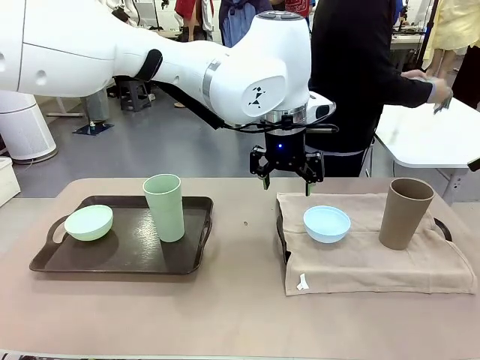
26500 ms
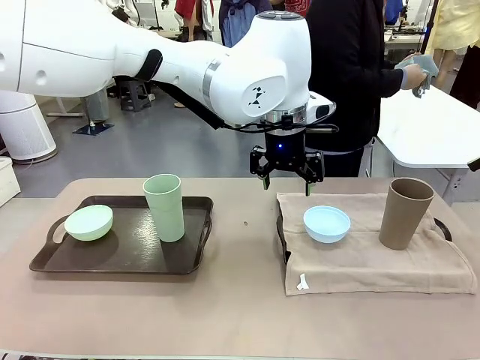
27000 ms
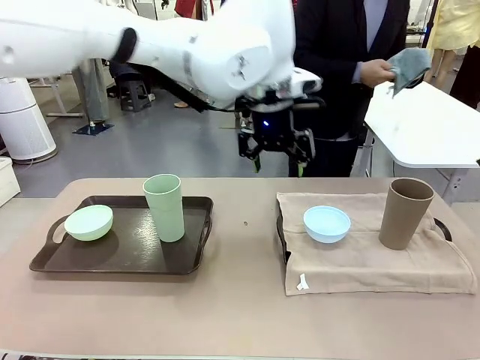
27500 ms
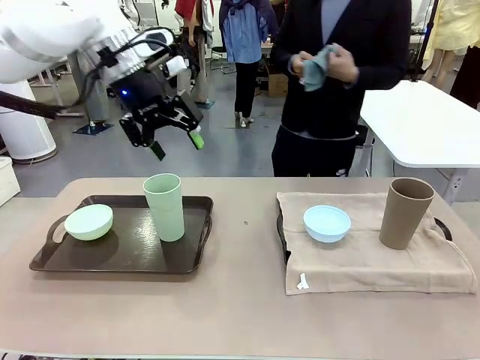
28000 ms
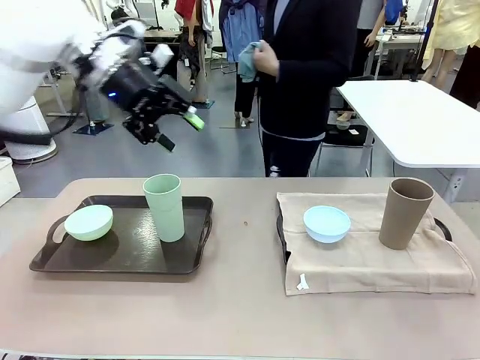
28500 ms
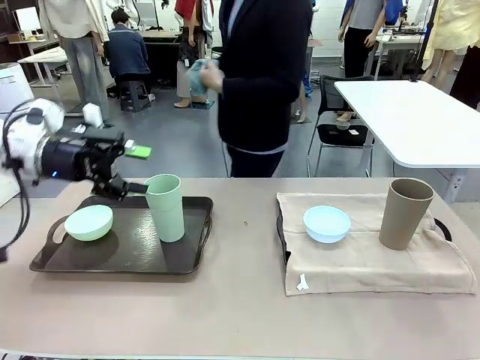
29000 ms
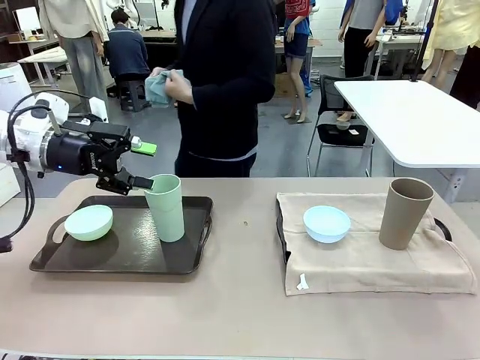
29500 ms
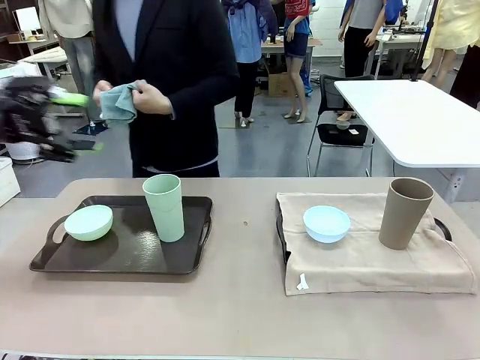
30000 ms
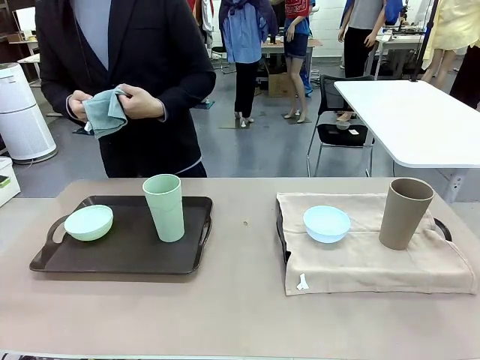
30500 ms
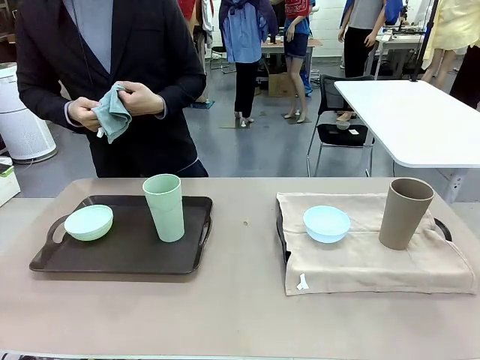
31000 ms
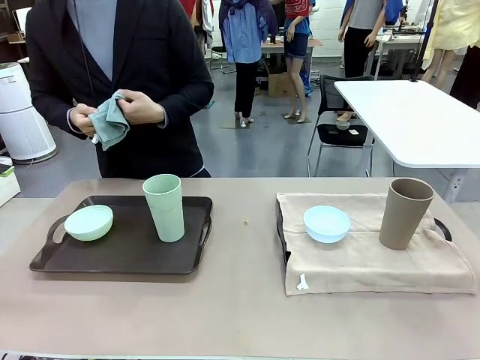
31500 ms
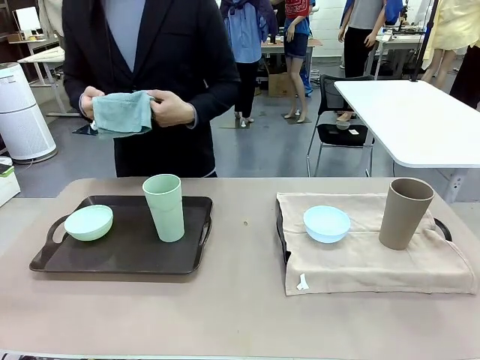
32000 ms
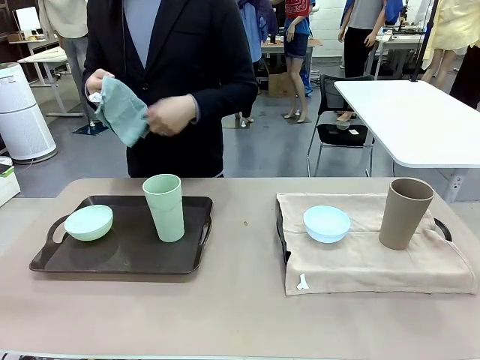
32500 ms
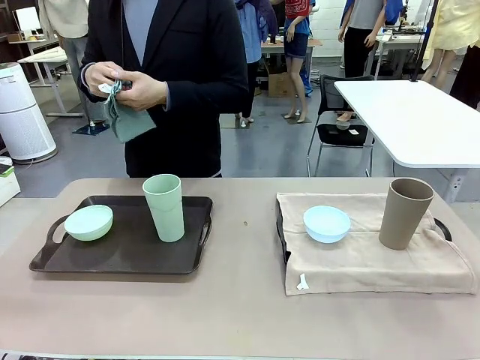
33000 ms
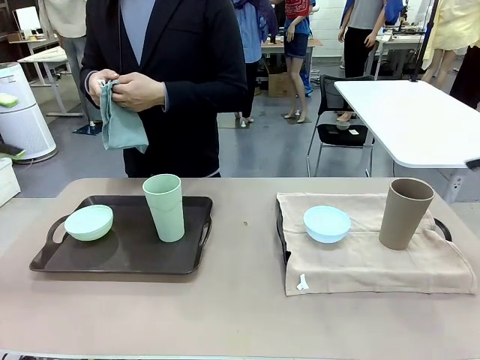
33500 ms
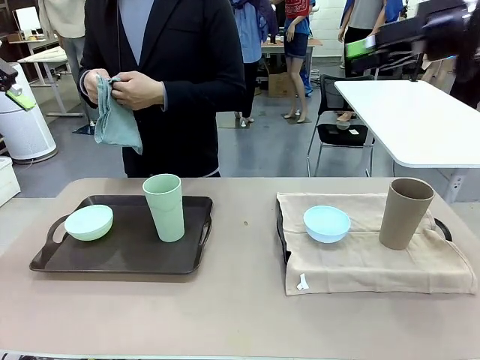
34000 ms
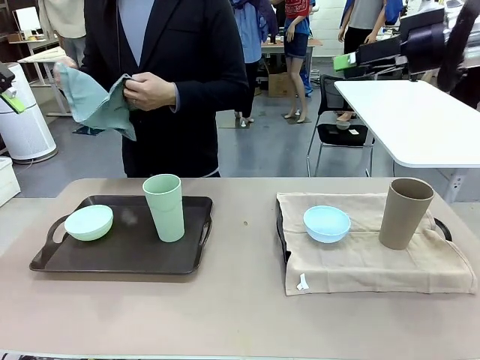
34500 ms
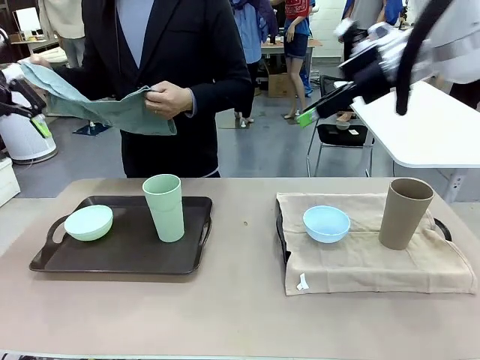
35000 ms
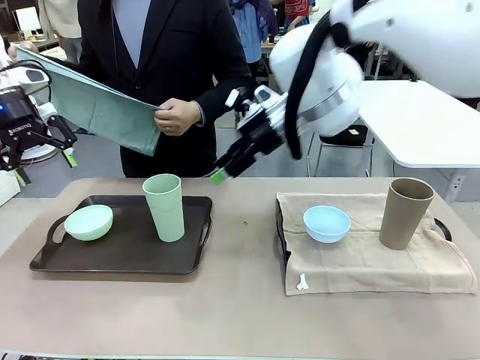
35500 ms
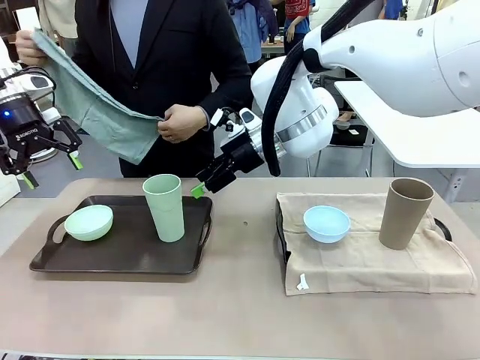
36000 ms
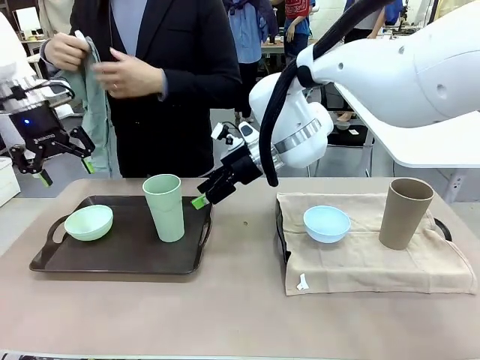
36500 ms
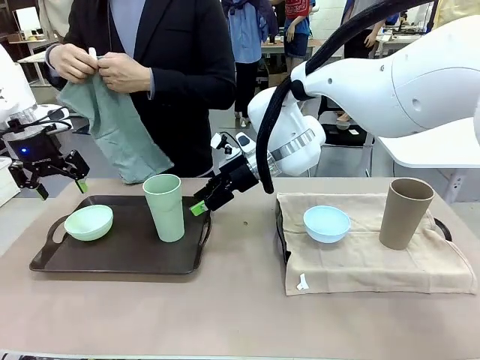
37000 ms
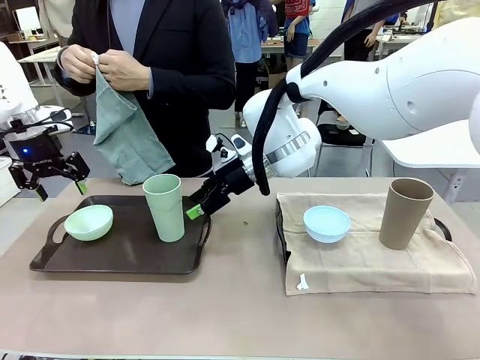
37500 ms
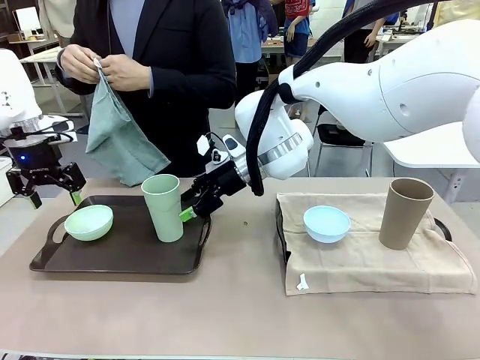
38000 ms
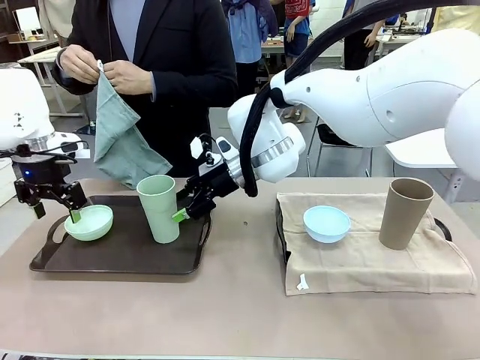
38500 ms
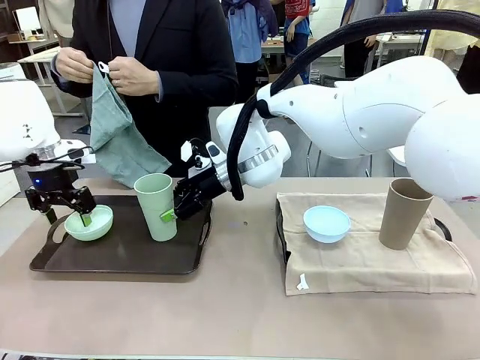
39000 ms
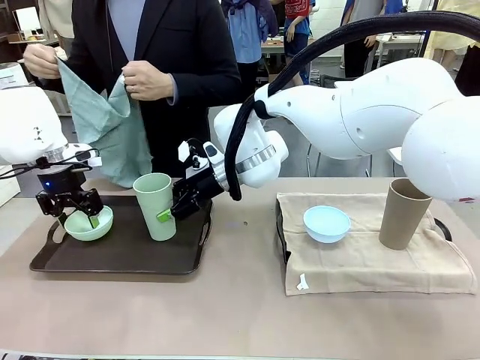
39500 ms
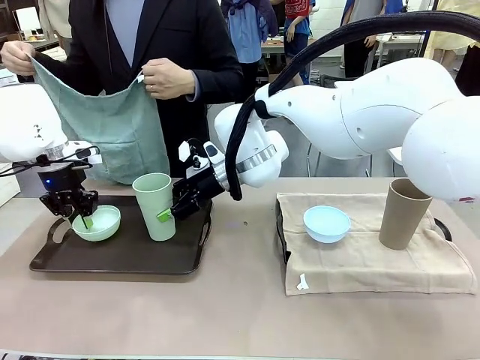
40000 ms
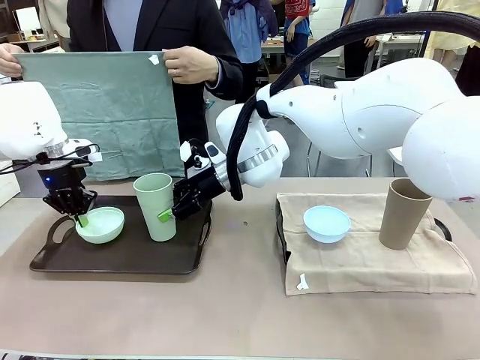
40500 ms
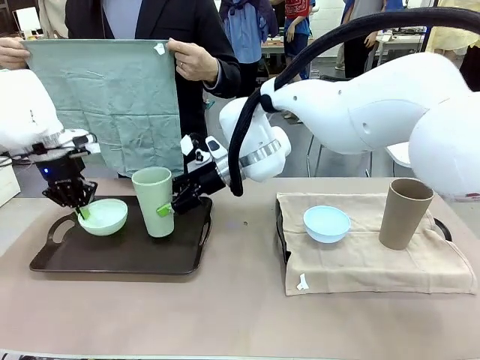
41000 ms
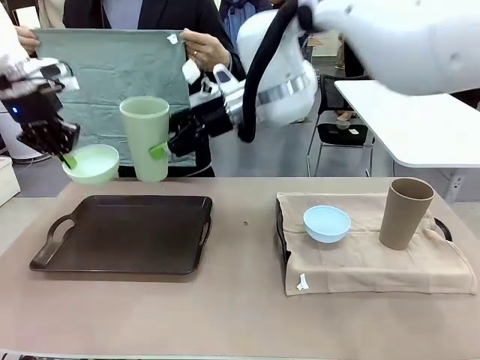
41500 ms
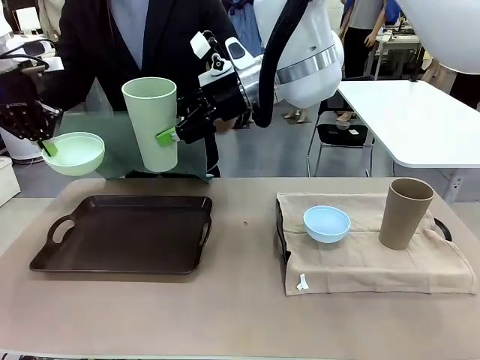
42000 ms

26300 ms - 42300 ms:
Robot: Pick up the Picnic Bowl and Reusable plastic cup from the Handle tray in front of the human's position and hold them in the air.
Person: When the robot lifts the bowl and the cup, the human unfolds the napkin and lays the napkin flat on the tray.

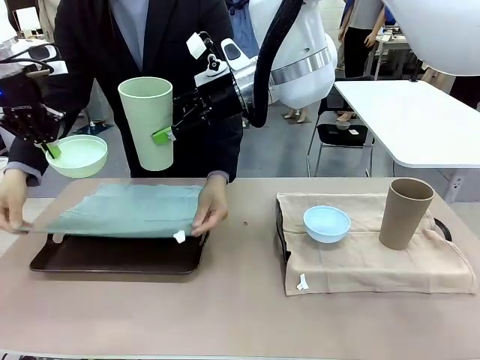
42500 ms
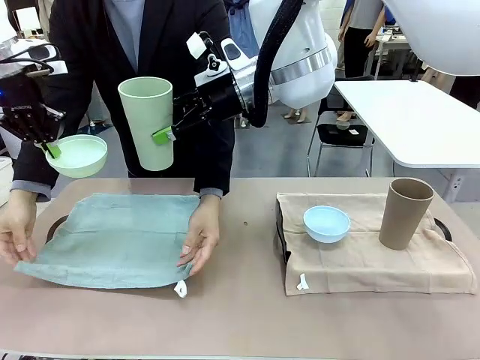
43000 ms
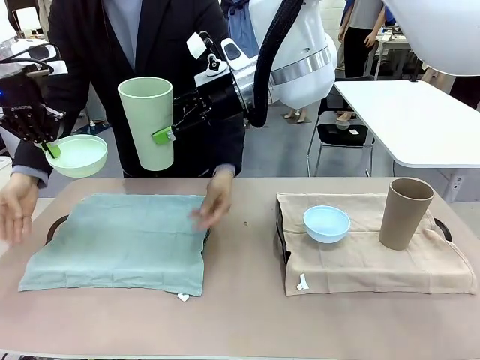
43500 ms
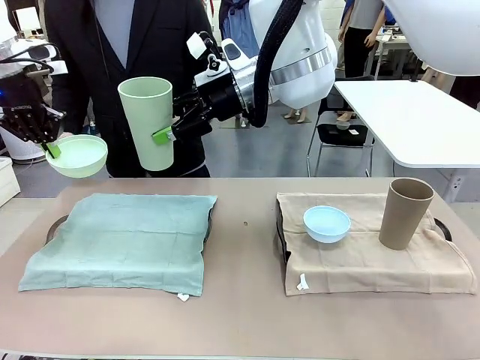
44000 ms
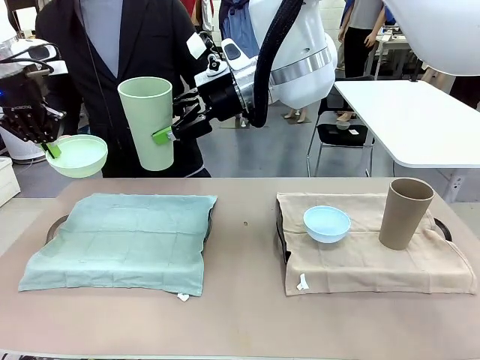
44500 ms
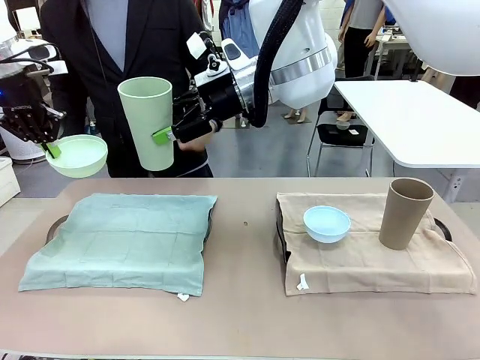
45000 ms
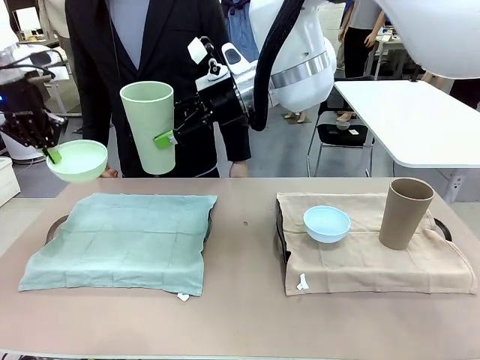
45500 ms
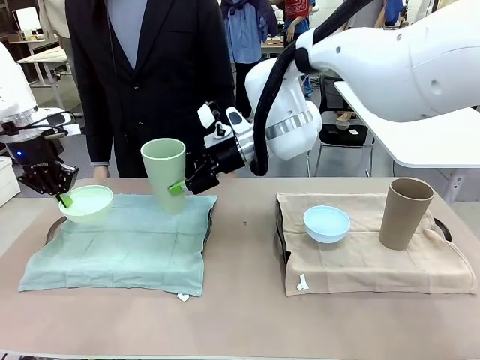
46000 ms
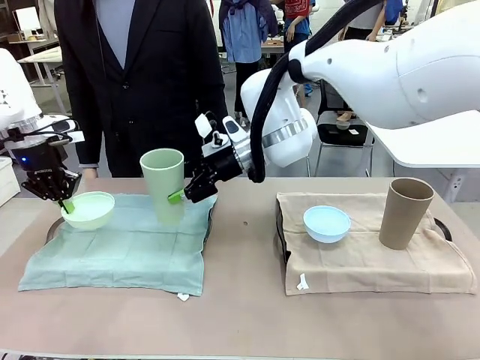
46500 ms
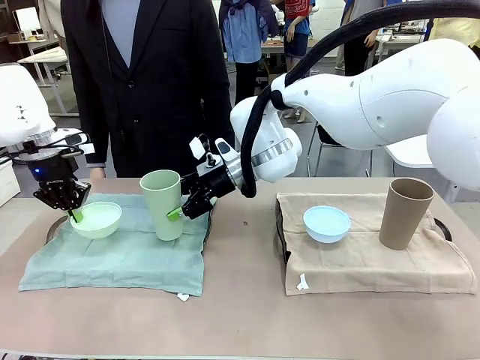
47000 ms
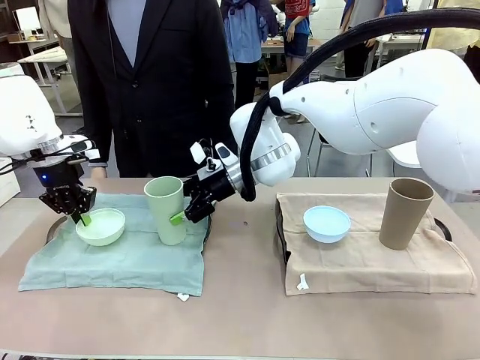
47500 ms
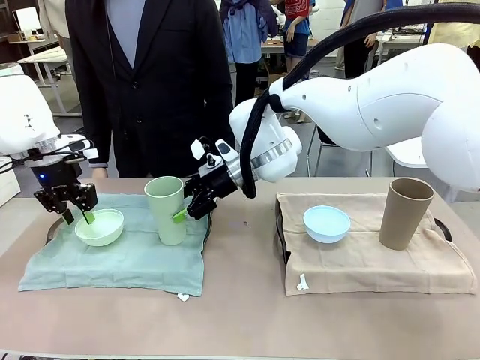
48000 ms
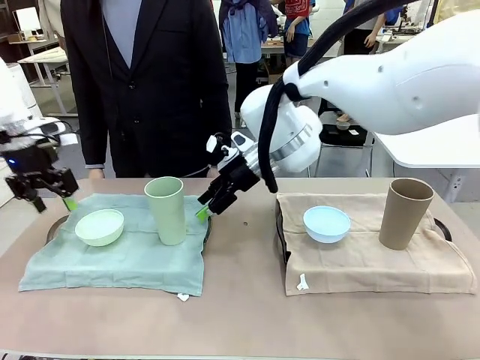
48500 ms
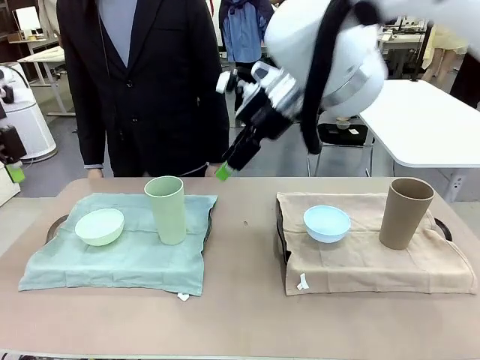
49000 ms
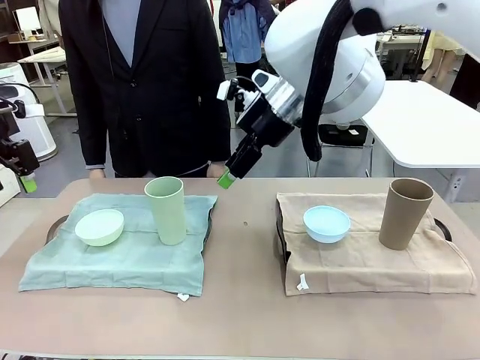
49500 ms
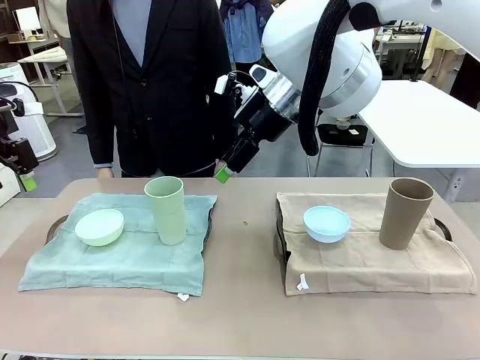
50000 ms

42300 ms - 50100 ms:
Robot: Place the Picnic Bowl and Reusable plastic cup back onto the Handle tray in front of the human's position.

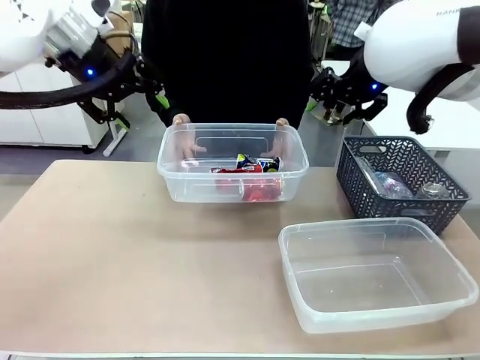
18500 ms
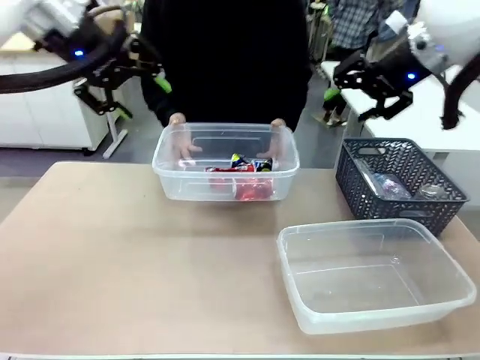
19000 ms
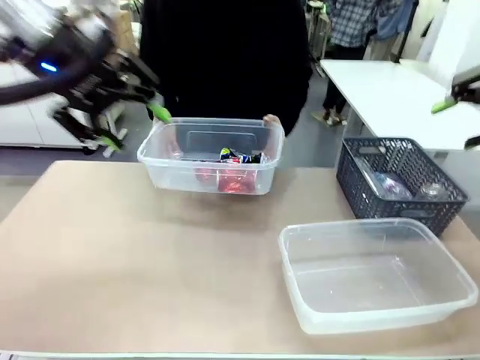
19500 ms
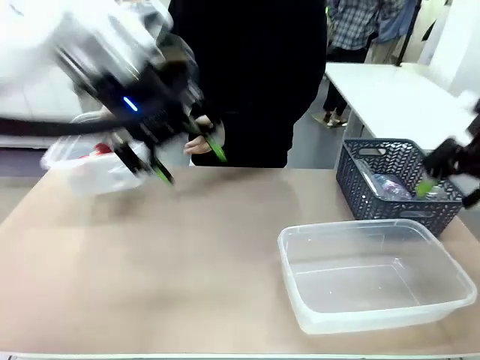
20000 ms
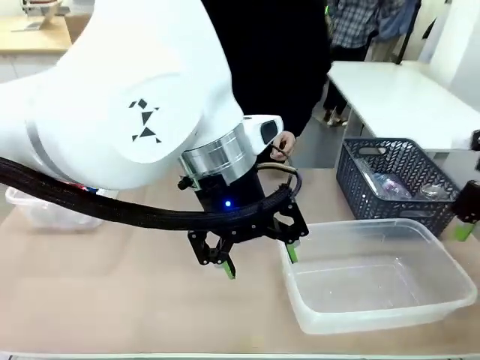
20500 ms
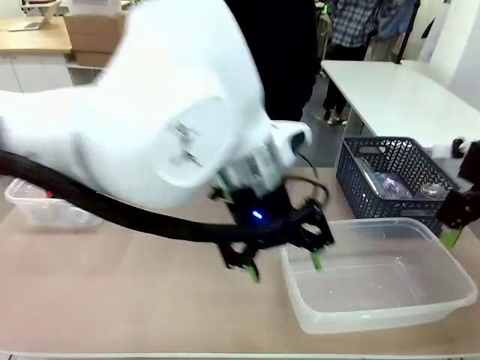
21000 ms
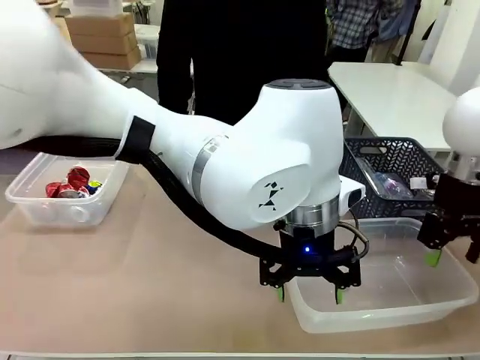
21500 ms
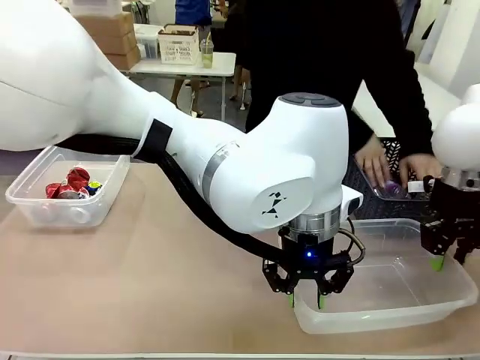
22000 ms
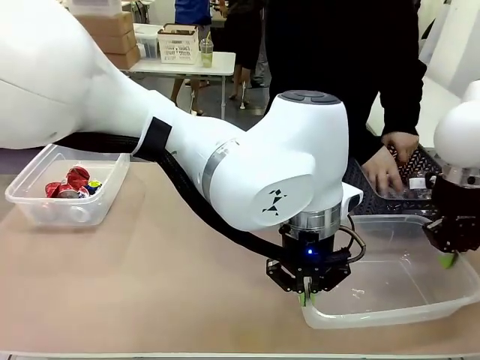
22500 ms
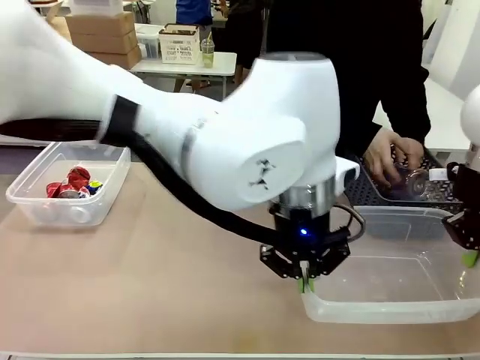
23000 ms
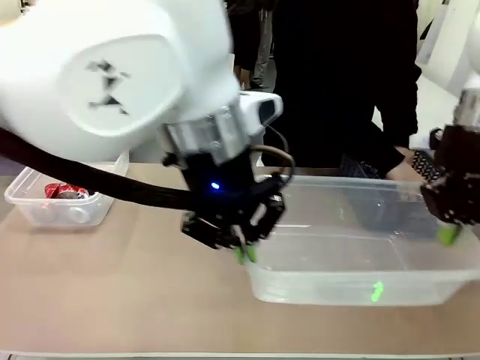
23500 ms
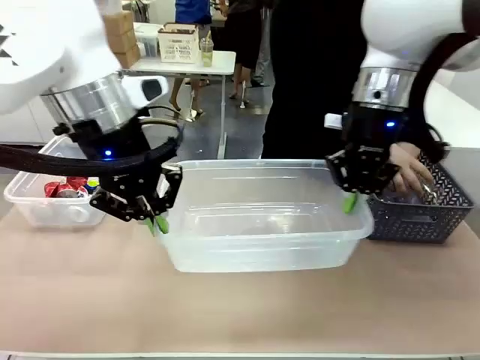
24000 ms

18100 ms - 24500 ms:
Robot: Pick up the Organizing box on the right side of the table and lift it.
Person: Place it at the edge of the bottom right area of the robot table.
